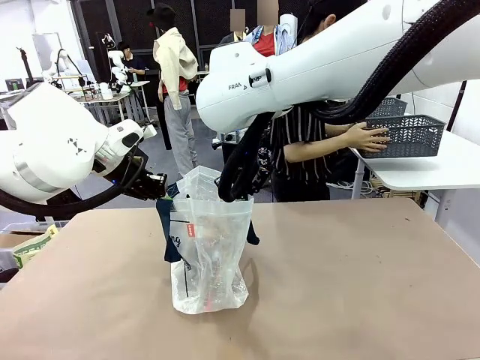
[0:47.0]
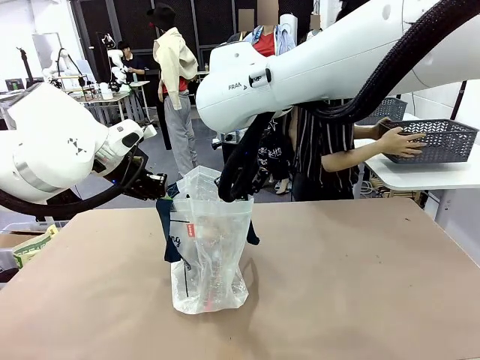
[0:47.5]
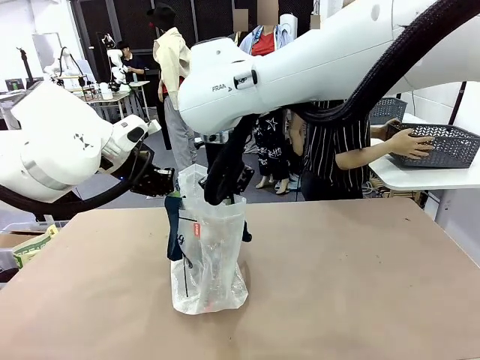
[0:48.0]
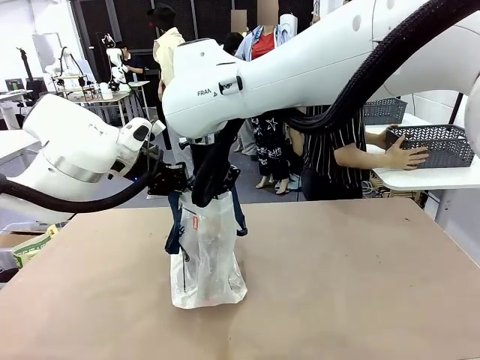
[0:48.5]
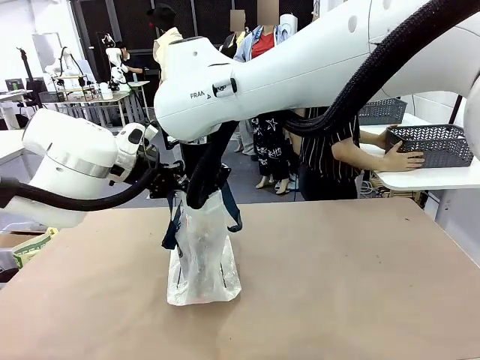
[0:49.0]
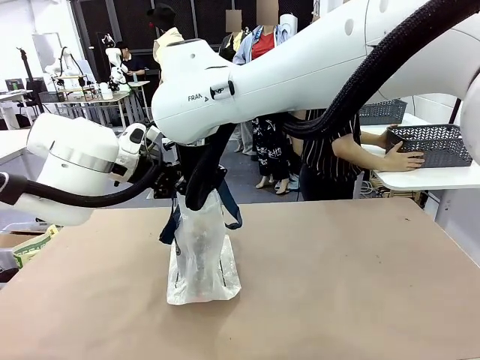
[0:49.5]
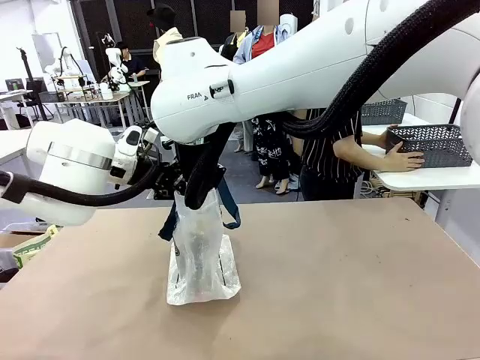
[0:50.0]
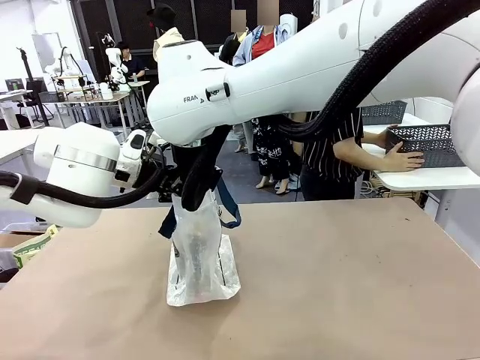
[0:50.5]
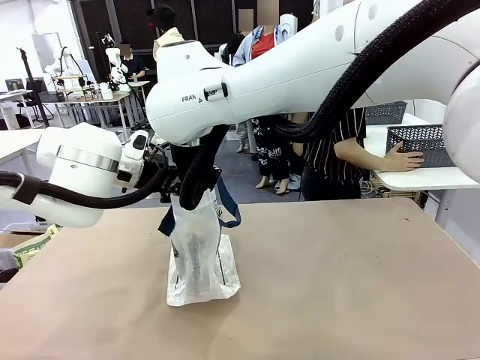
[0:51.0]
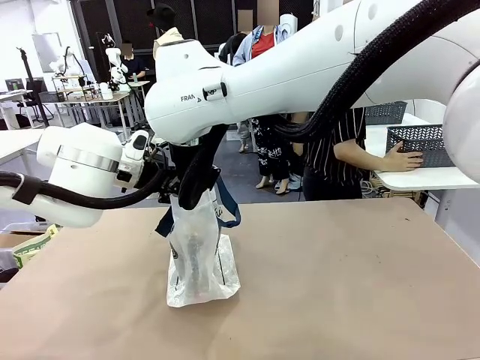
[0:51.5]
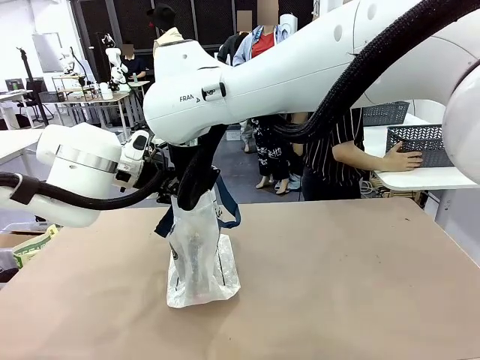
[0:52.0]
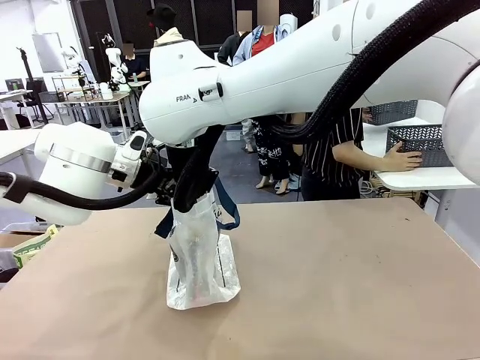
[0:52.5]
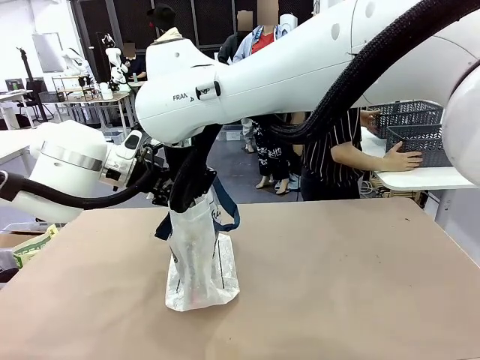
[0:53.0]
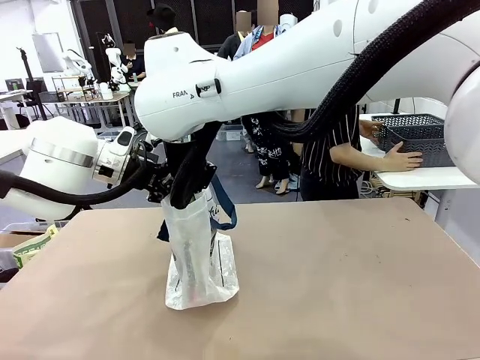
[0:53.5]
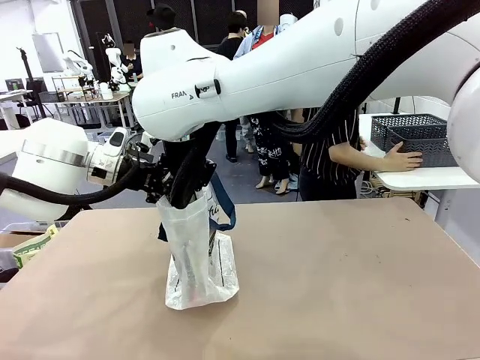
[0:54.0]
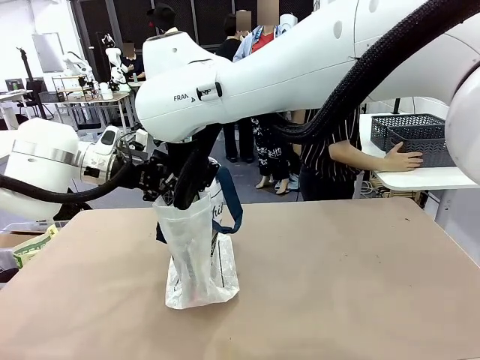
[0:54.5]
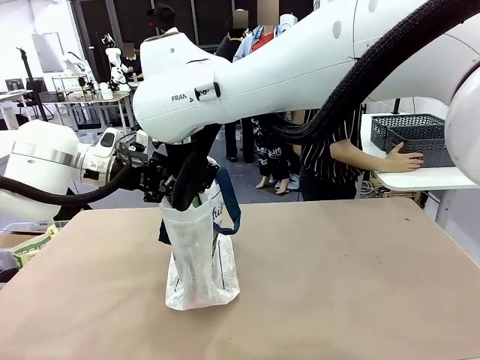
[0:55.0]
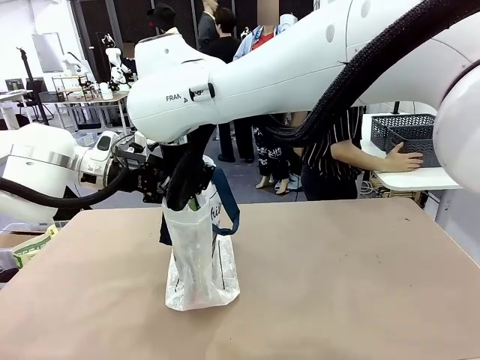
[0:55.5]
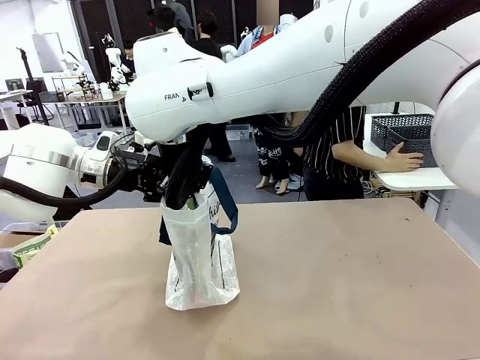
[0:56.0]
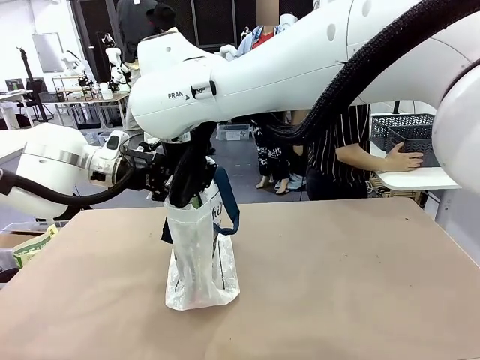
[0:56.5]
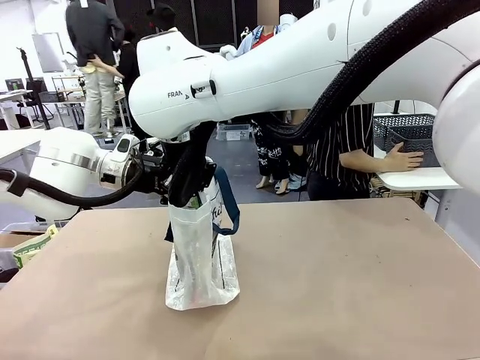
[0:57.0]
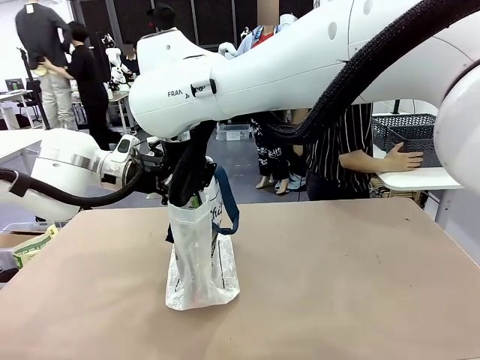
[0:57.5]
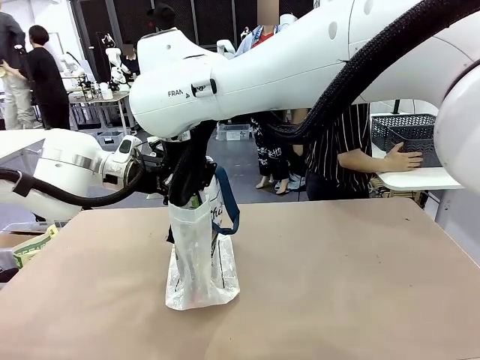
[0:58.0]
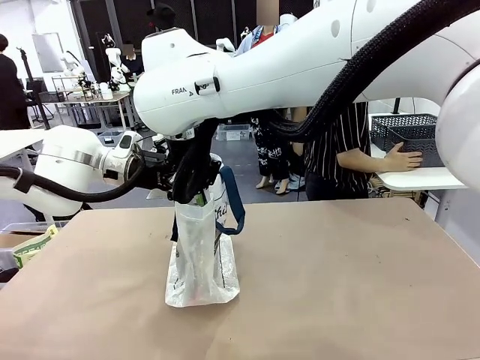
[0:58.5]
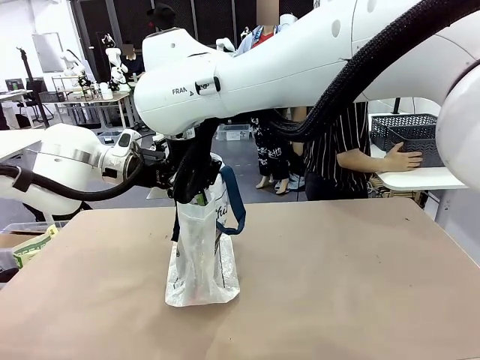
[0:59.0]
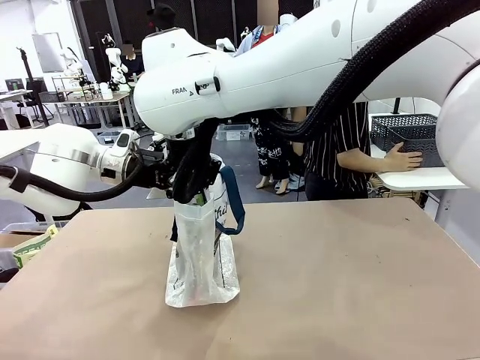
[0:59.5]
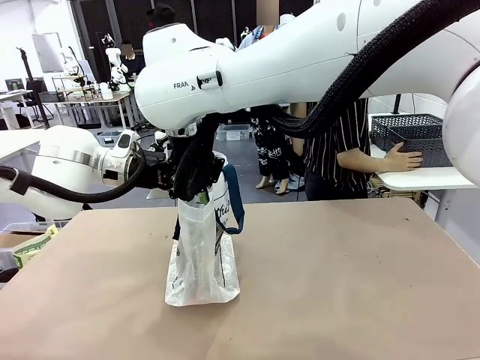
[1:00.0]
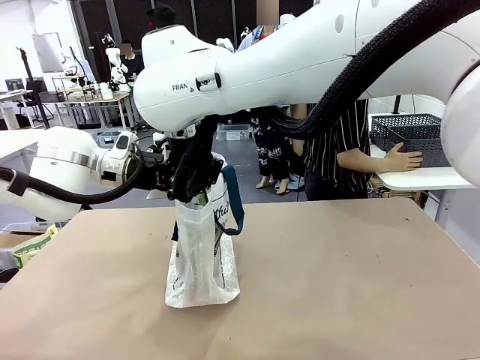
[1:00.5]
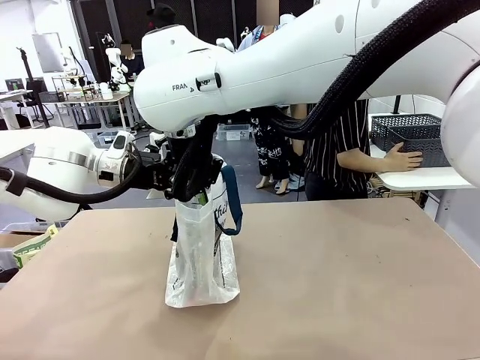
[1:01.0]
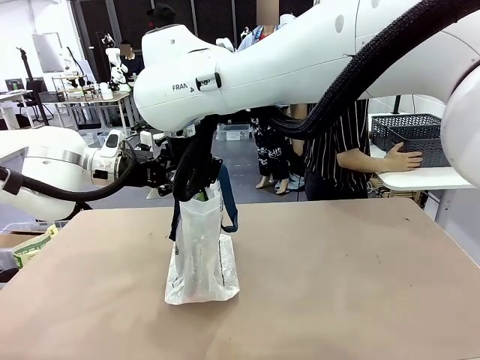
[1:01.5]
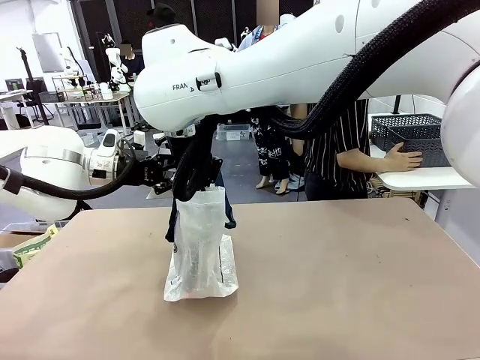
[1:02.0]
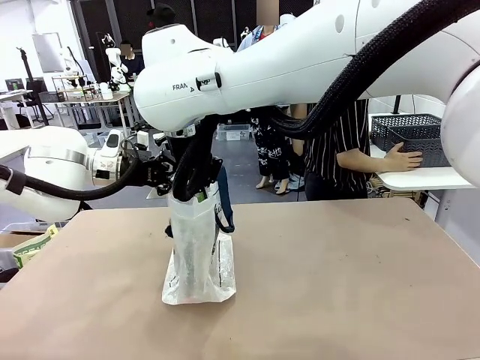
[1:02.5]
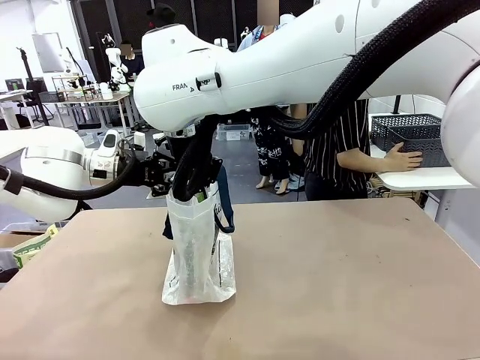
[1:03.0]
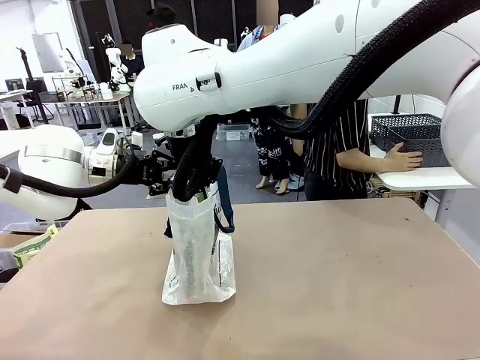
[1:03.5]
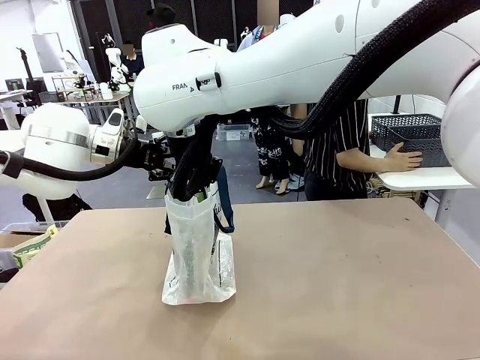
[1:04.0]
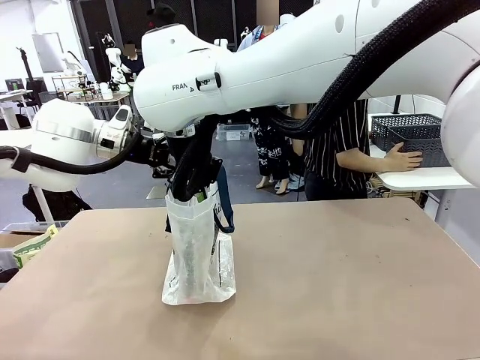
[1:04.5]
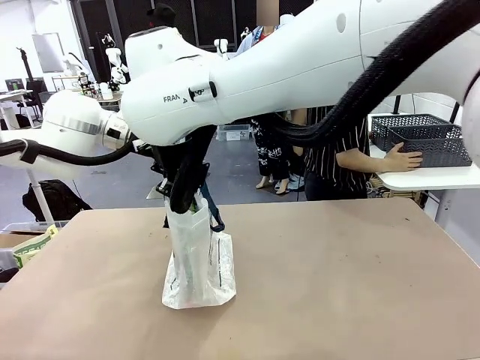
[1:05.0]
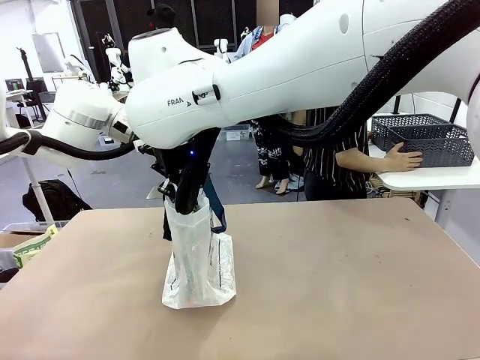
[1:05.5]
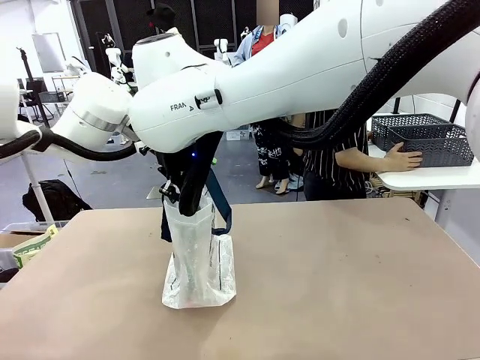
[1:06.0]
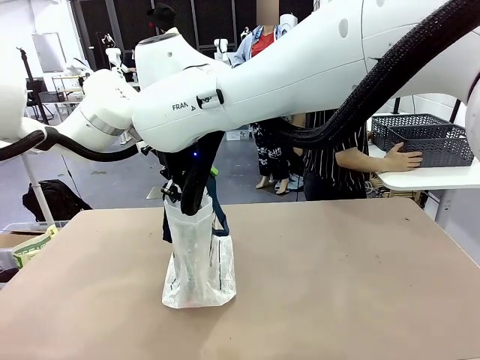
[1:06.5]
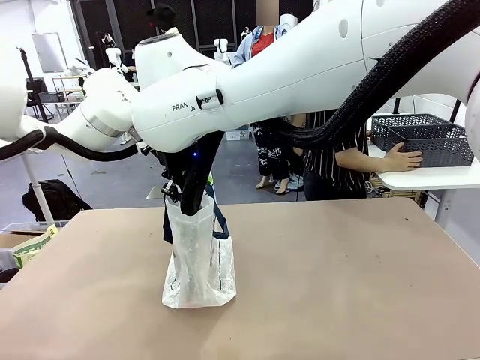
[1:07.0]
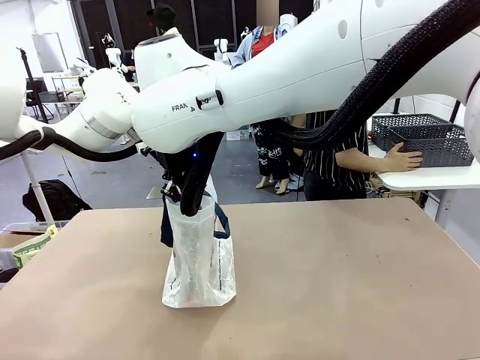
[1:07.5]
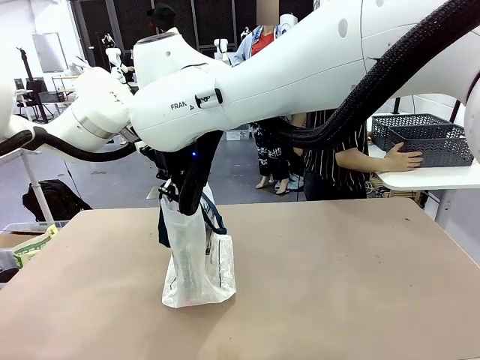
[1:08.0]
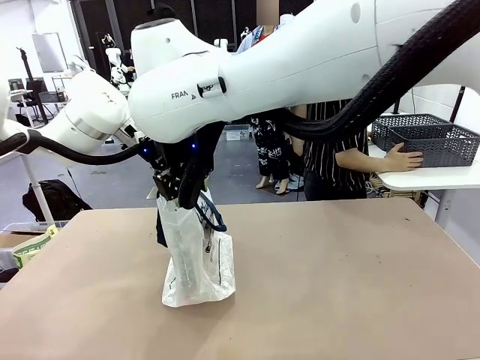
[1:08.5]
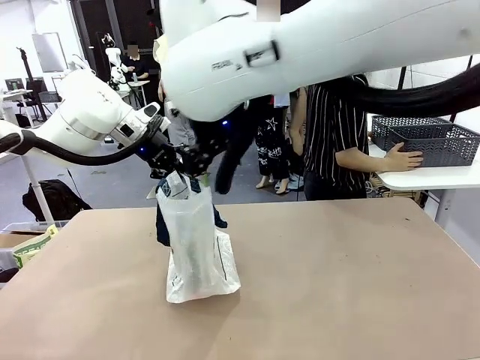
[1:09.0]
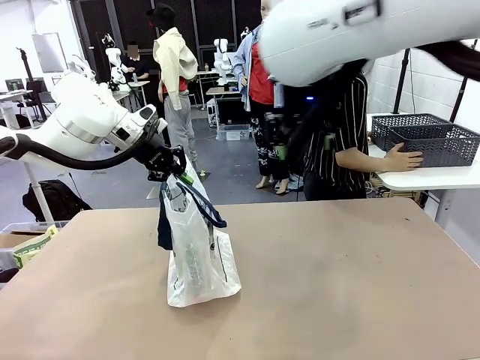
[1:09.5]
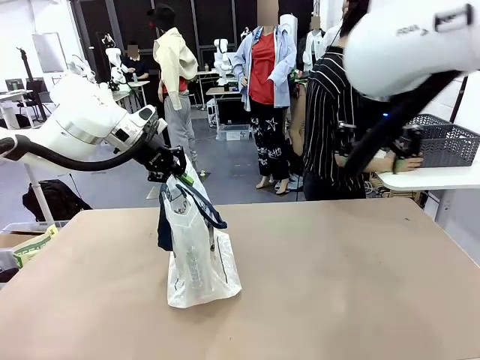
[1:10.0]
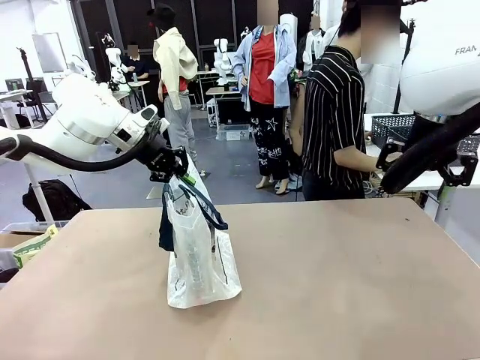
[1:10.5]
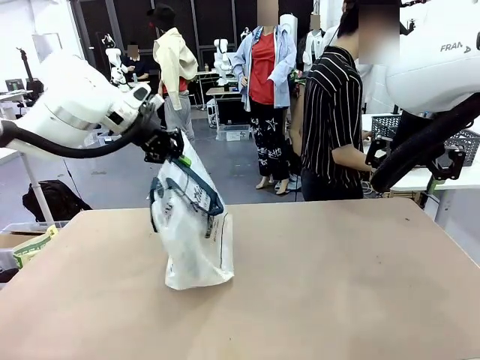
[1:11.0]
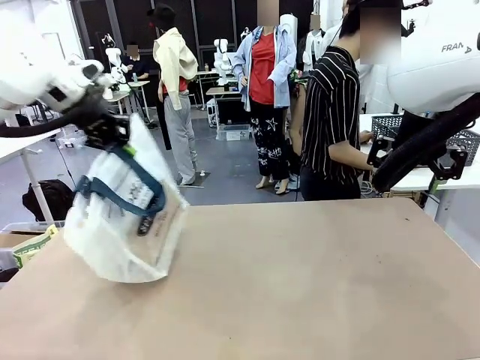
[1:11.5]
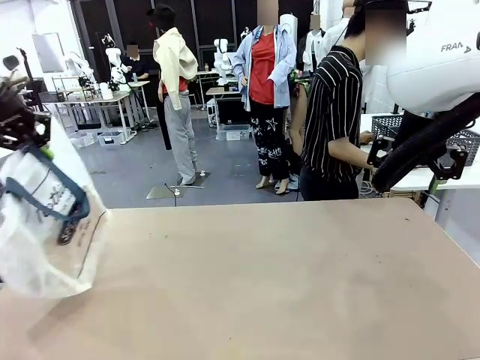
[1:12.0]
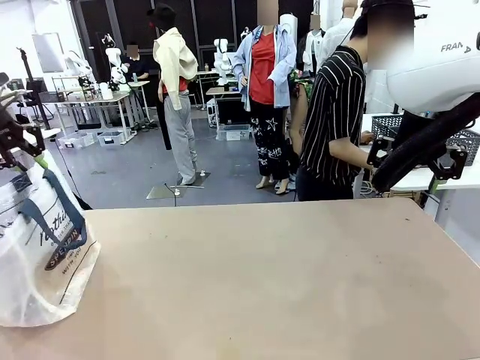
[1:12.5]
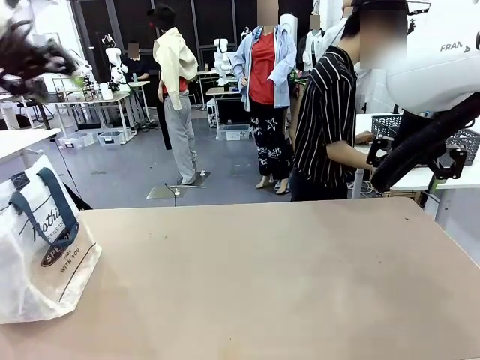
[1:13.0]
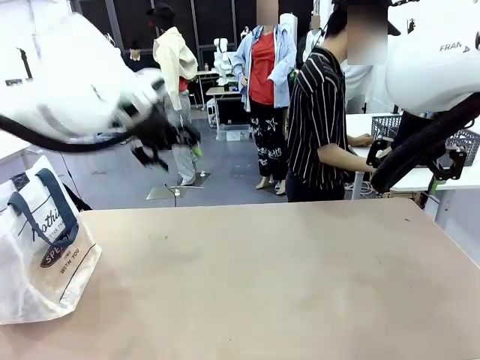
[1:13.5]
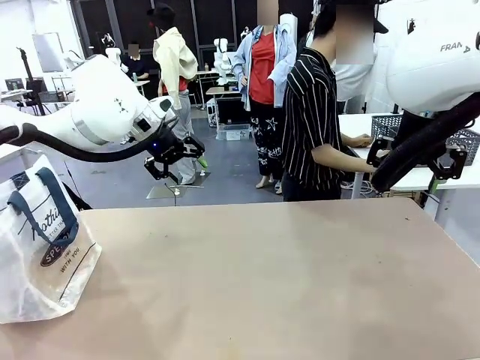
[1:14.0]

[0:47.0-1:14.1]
Task: Transfer purchased items from the store into the shopping bag.
Robot: Move the Reusable shopping bag to the right side of the table.
Person: Move the basket on the left to the middle of the person's table.
